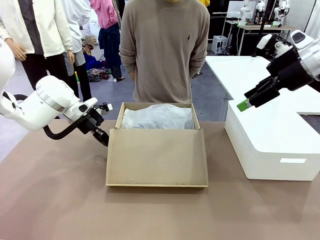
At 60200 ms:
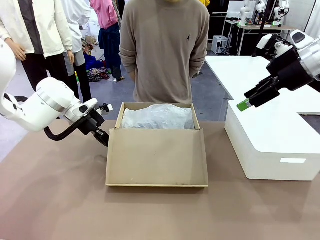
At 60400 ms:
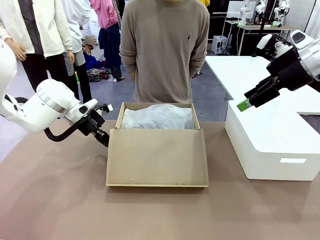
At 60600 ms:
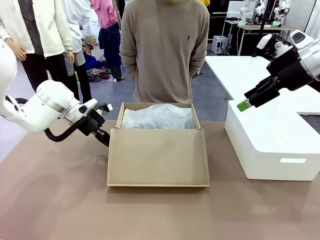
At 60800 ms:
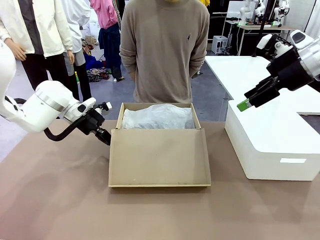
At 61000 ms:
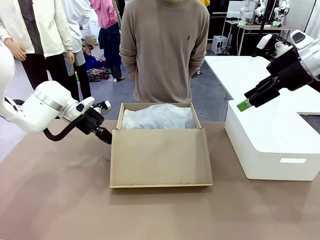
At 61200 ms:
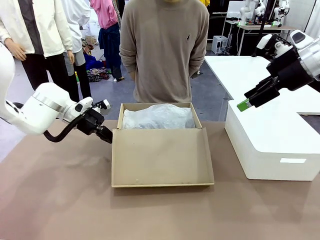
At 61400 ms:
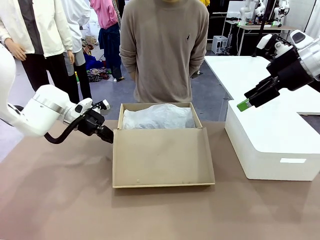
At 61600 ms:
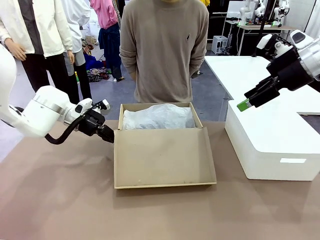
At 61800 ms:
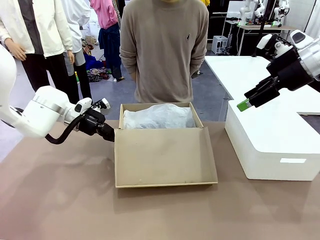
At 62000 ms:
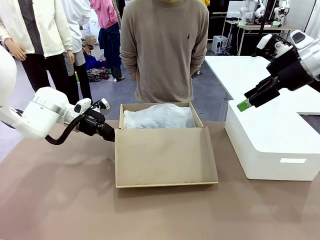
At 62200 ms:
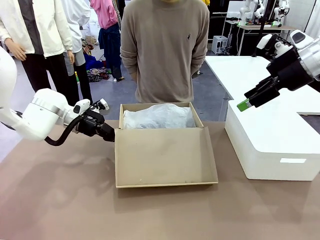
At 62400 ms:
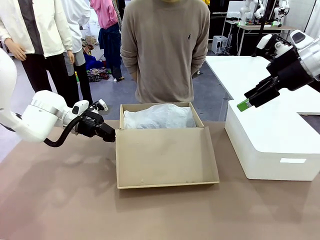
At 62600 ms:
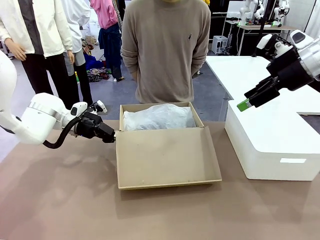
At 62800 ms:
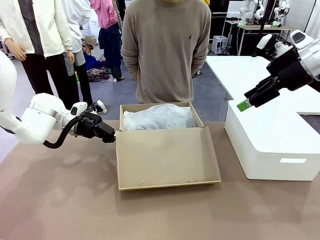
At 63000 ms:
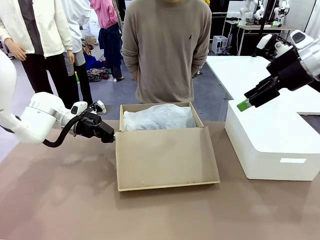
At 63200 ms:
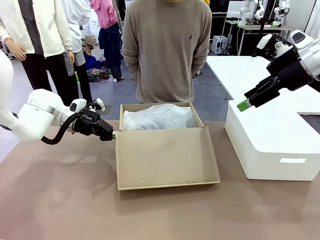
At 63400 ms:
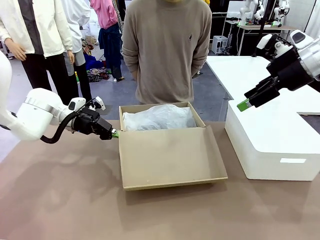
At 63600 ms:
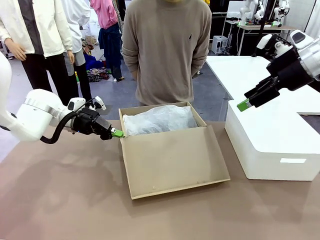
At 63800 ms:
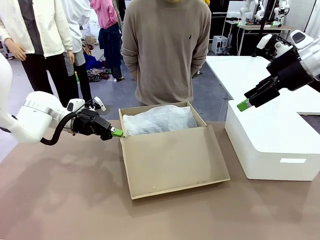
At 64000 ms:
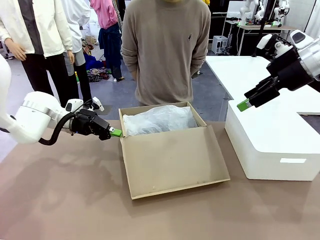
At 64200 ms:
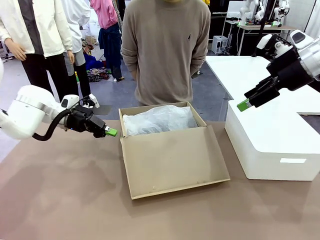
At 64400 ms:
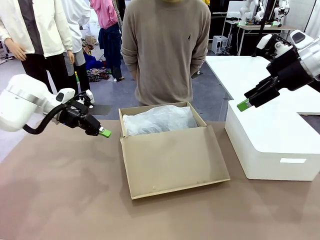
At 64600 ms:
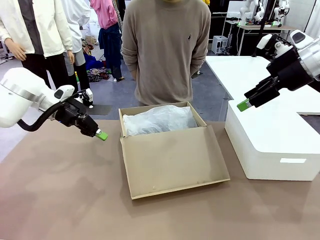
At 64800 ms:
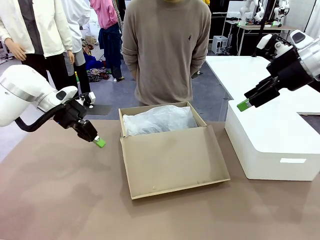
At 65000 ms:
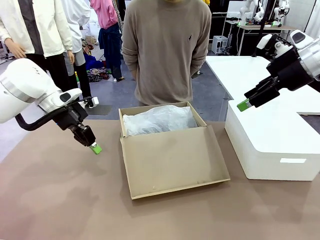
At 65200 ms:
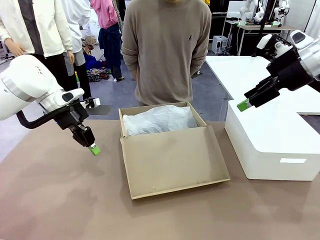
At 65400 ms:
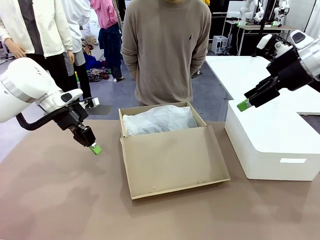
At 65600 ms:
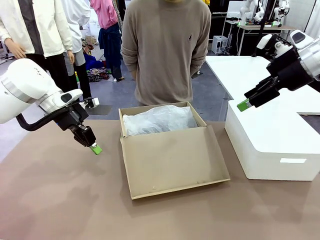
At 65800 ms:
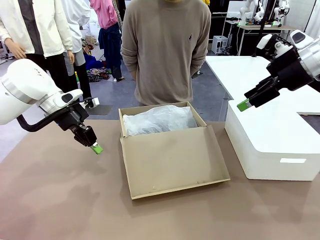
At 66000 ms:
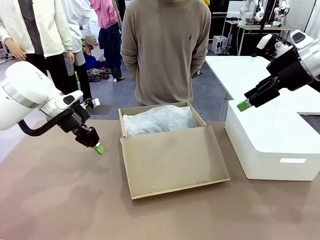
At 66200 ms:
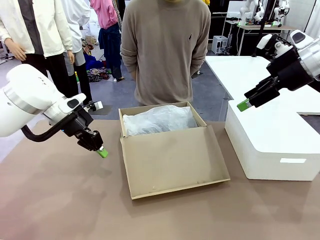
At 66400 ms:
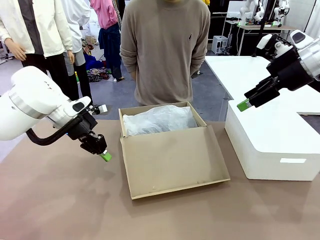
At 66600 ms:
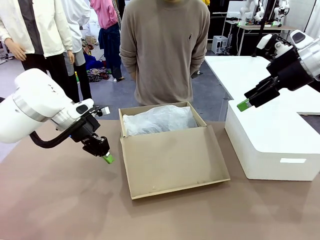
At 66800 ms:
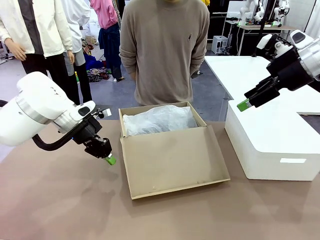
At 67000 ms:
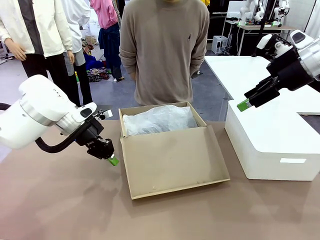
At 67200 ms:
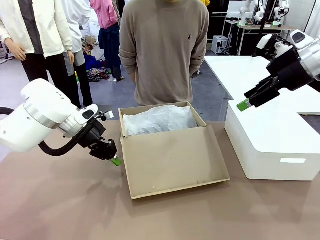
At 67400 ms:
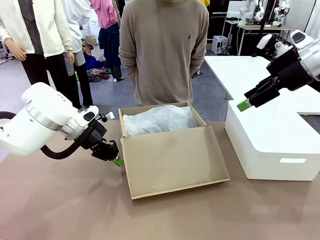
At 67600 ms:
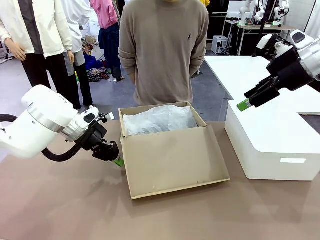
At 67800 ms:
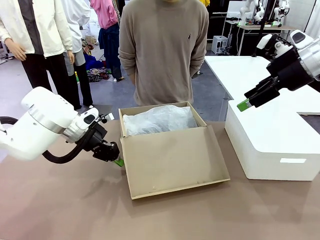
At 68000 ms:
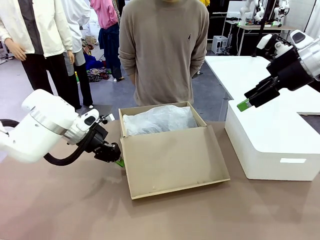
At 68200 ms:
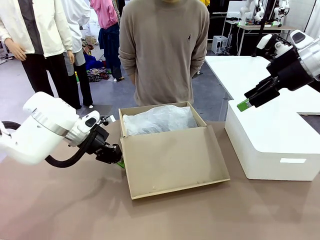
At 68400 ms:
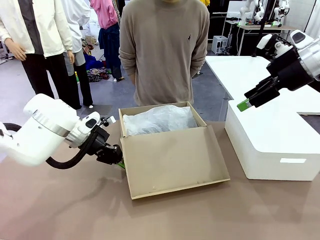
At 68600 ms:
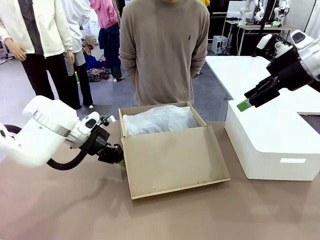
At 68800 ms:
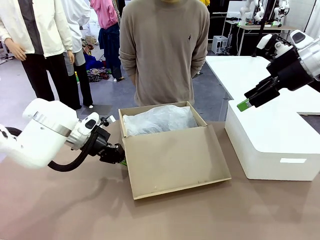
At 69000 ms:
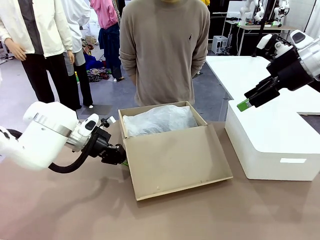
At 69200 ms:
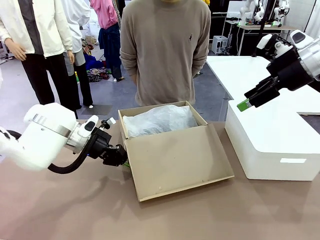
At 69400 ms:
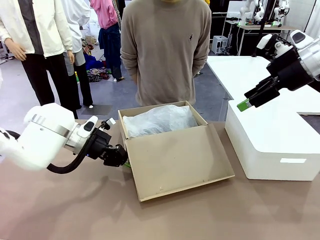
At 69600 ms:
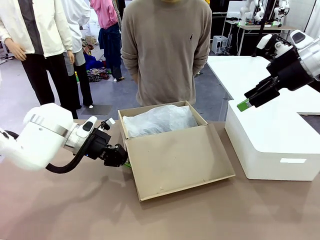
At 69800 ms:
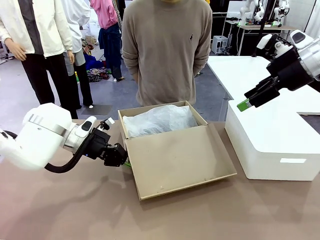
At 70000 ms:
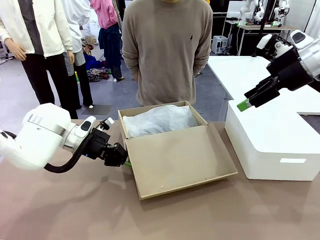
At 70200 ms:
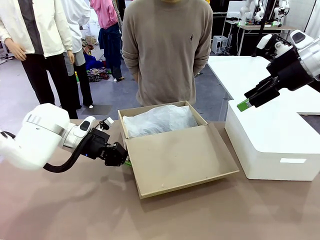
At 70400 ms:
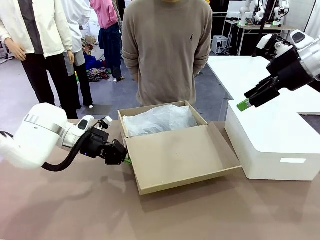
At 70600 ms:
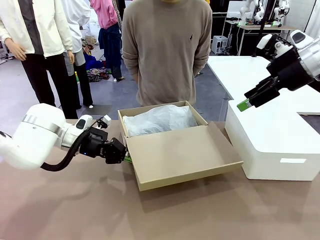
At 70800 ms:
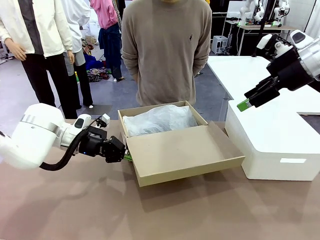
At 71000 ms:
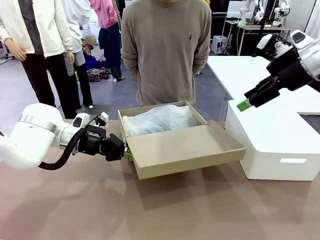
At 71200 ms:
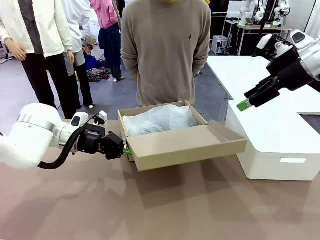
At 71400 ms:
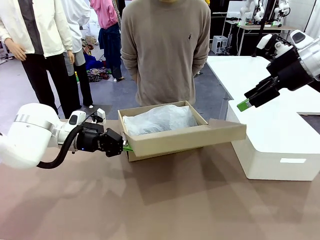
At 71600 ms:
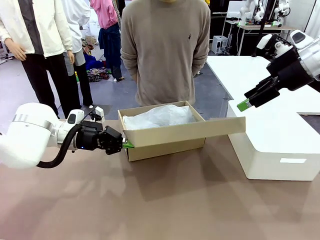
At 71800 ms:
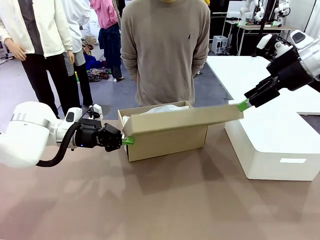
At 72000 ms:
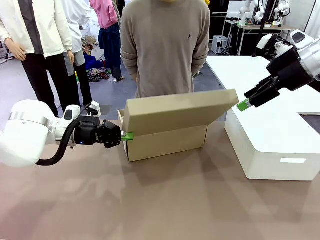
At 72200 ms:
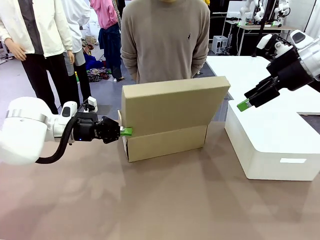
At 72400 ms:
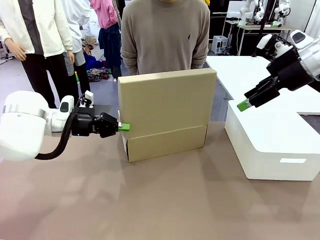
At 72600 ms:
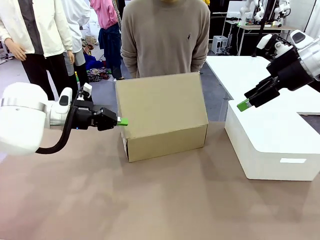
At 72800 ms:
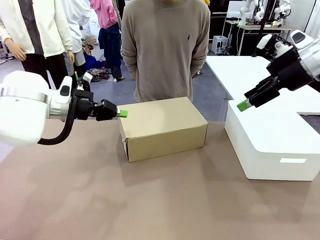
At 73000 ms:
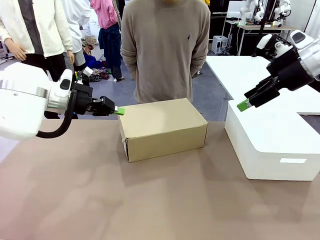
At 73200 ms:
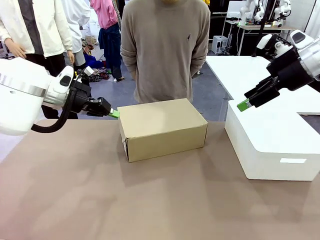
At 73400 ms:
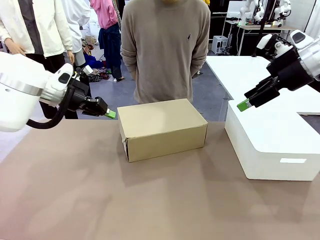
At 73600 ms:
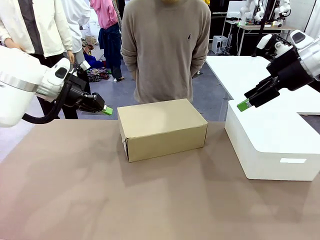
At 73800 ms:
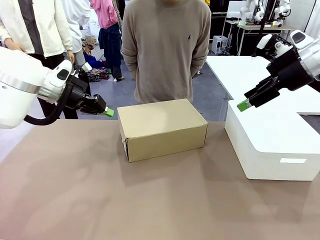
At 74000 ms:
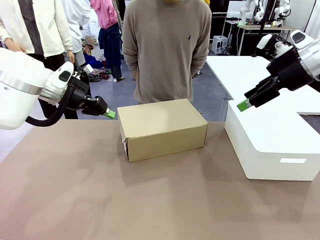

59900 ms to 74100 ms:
Task: Pack the shoes into the box.
Robot: Close the Shoes Box.

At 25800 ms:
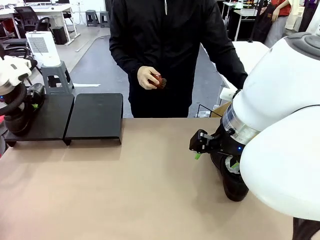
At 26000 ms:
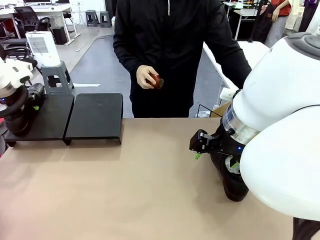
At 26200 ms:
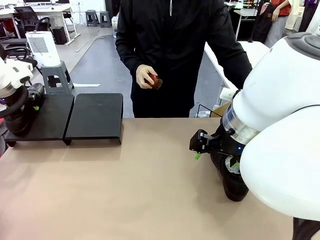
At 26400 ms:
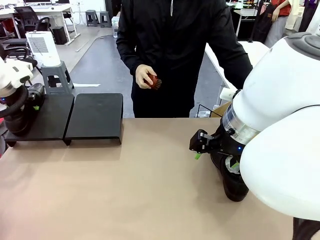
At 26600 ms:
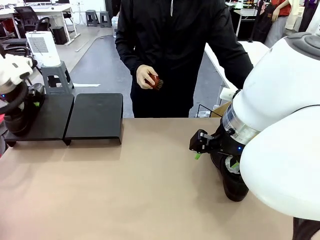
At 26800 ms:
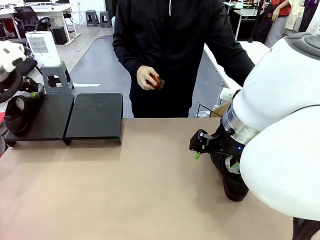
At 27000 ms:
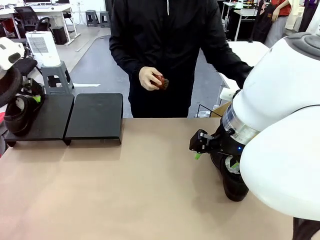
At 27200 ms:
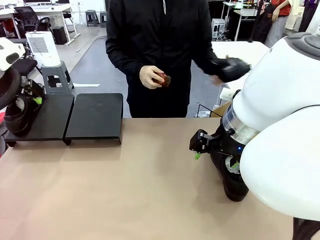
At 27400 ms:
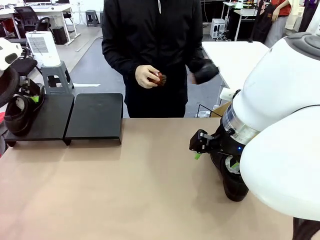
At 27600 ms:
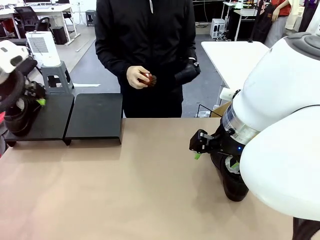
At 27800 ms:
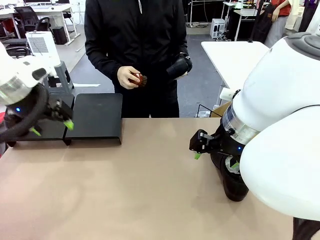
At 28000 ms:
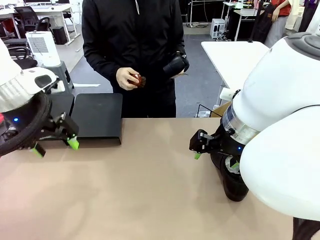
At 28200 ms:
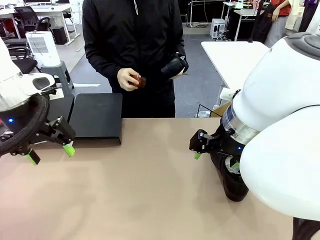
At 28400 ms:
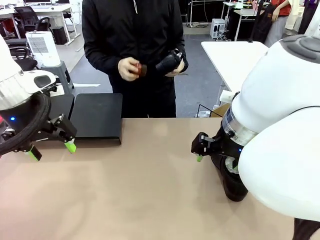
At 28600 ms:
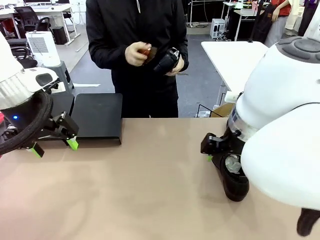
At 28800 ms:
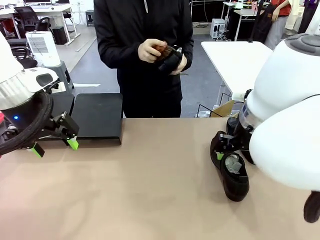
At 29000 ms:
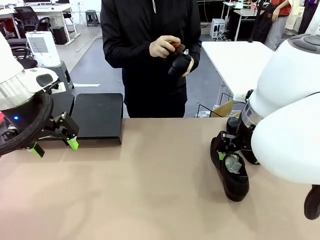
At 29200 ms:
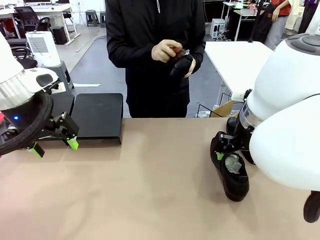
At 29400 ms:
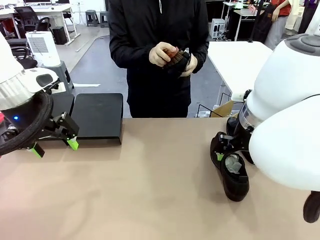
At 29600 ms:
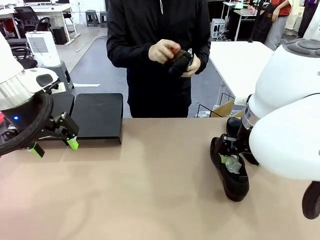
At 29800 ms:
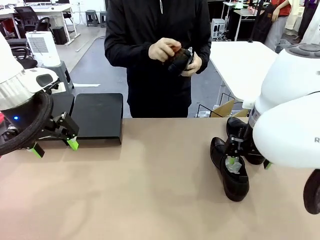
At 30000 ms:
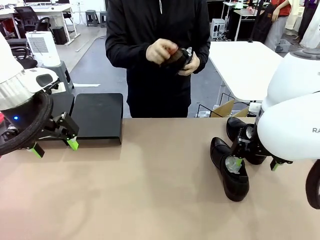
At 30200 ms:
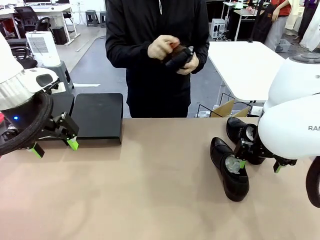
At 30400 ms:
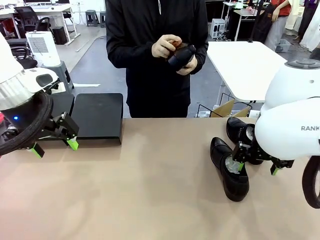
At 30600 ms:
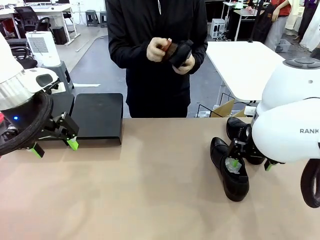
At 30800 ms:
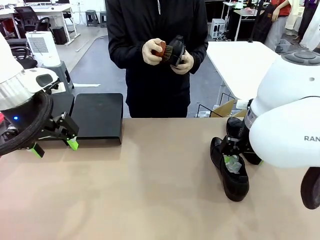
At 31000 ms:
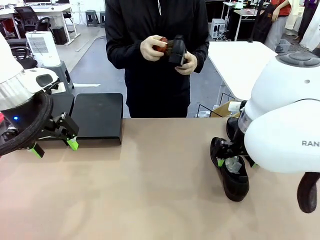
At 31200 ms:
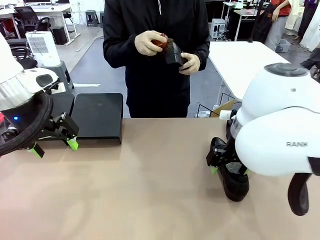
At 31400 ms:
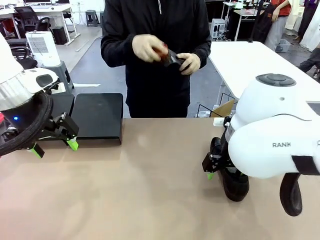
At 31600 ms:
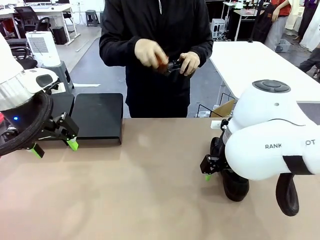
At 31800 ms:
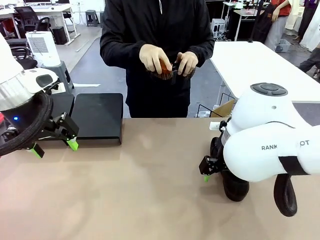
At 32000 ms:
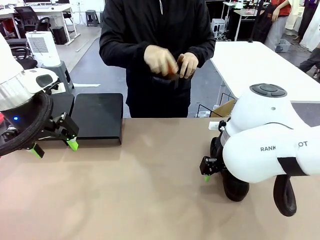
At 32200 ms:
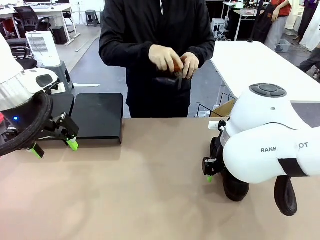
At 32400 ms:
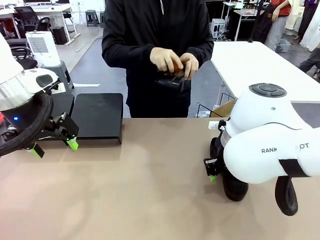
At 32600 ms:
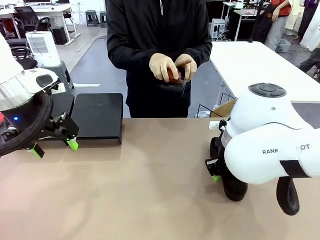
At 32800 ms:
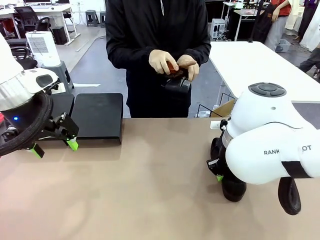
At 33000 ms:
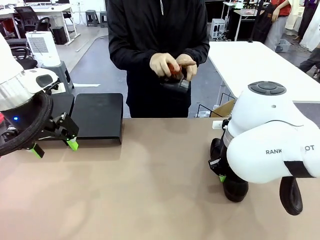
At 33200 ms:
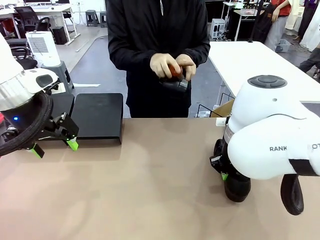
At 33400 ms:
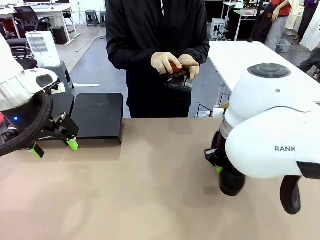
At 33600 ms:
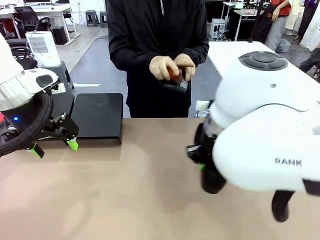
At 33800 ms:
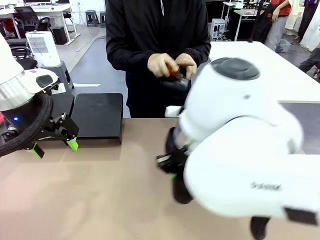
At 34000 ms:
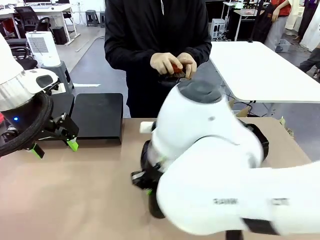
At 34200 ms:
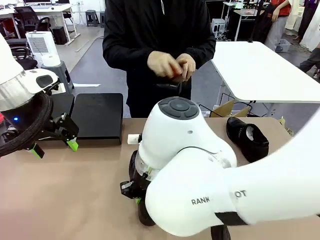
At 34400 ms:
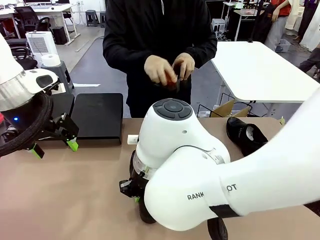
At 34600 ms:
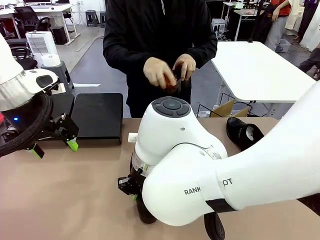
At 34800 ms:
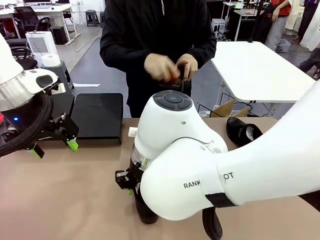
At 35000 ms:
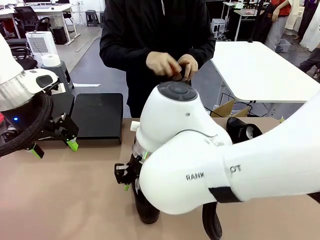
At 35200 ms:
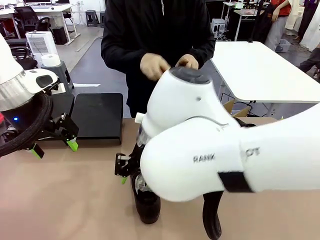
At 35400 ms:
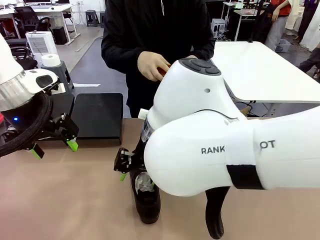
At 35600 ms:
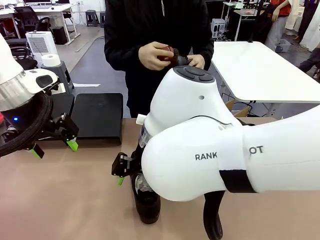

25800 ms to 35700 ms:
Task: Organize the shoes by placing them on the stand.
Robot: Pick up one Shoe and place it in the middle of the table.
Person: Pick one Shoe on Robot's table.
